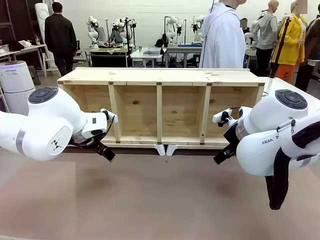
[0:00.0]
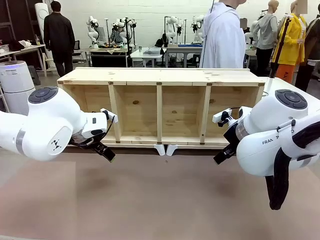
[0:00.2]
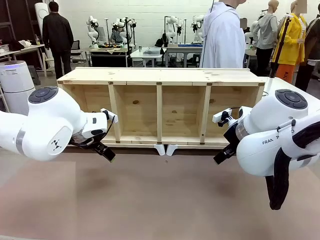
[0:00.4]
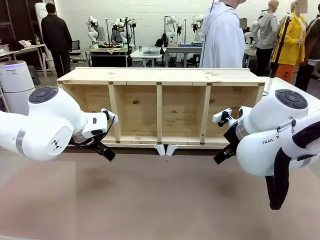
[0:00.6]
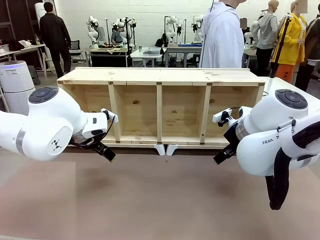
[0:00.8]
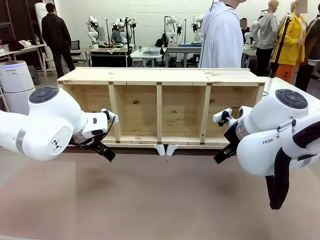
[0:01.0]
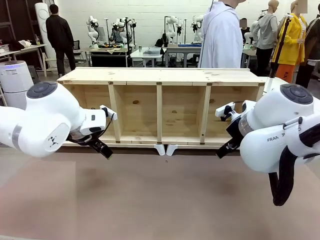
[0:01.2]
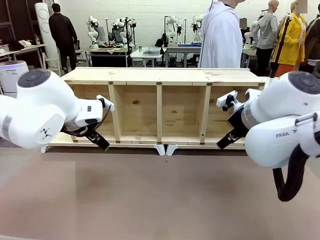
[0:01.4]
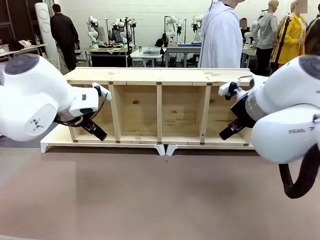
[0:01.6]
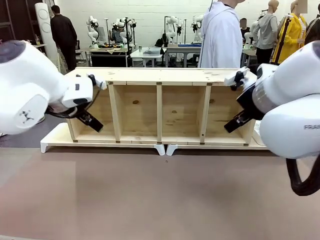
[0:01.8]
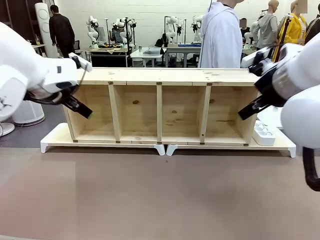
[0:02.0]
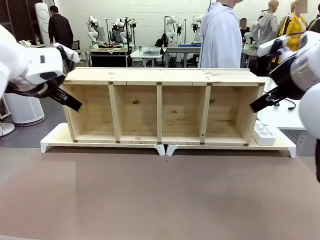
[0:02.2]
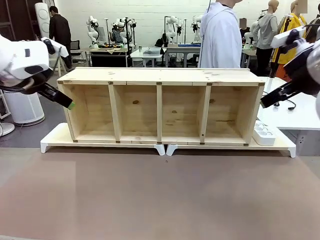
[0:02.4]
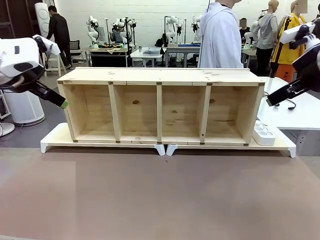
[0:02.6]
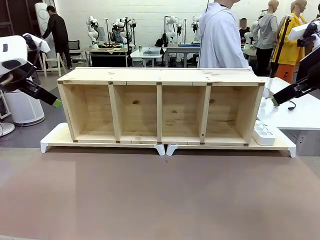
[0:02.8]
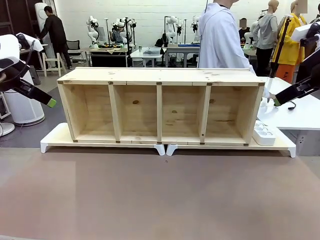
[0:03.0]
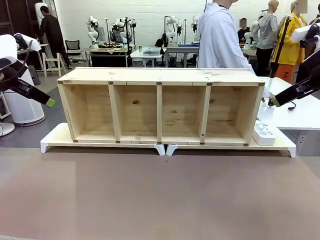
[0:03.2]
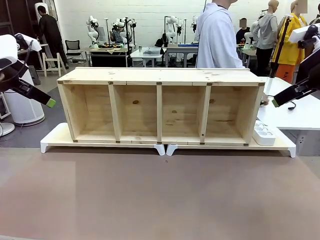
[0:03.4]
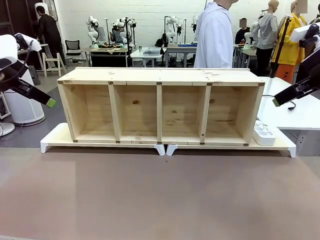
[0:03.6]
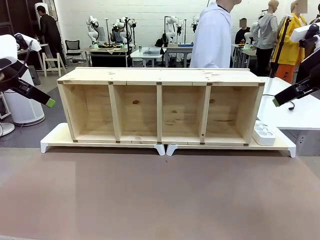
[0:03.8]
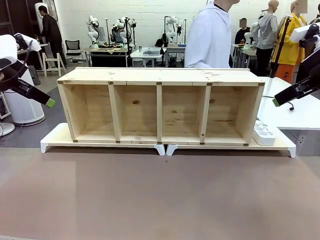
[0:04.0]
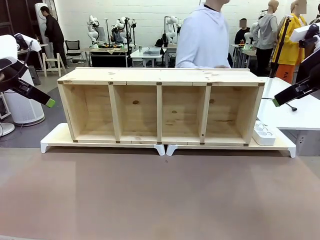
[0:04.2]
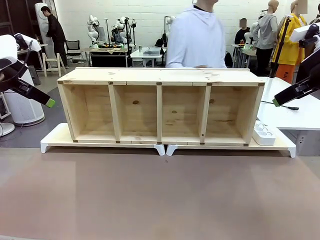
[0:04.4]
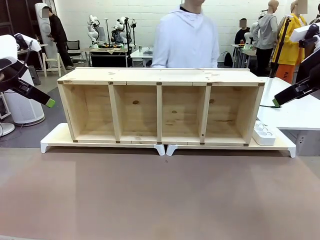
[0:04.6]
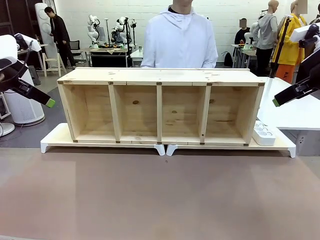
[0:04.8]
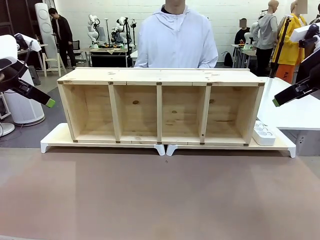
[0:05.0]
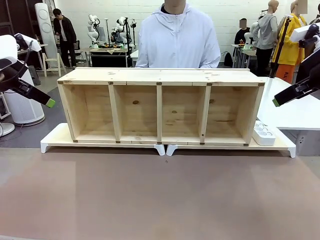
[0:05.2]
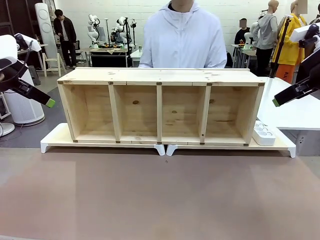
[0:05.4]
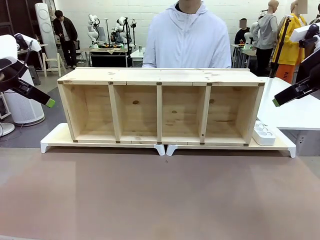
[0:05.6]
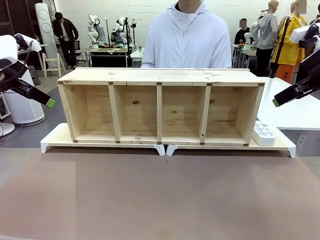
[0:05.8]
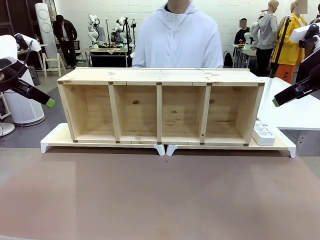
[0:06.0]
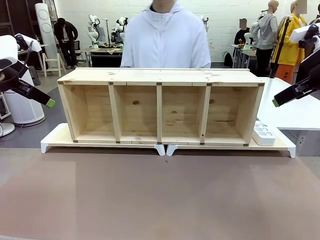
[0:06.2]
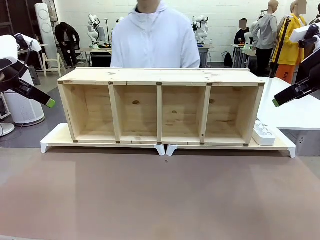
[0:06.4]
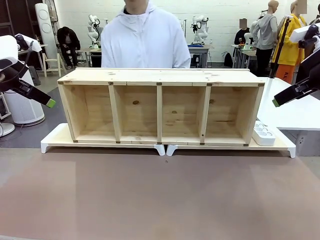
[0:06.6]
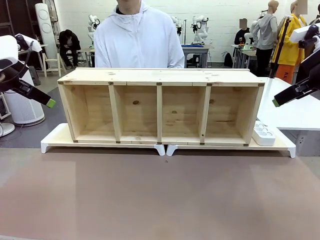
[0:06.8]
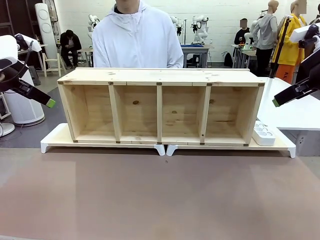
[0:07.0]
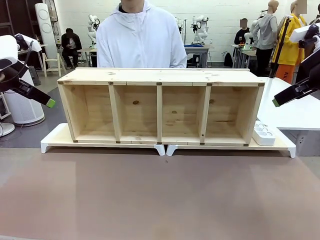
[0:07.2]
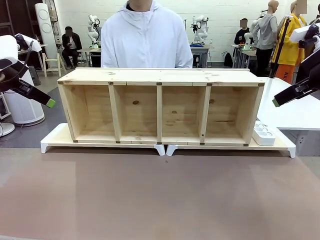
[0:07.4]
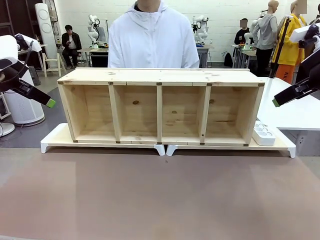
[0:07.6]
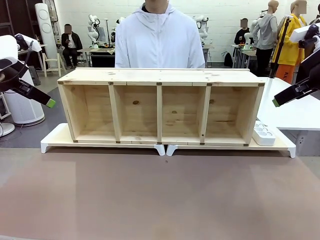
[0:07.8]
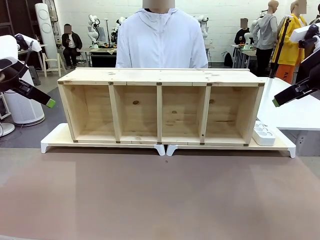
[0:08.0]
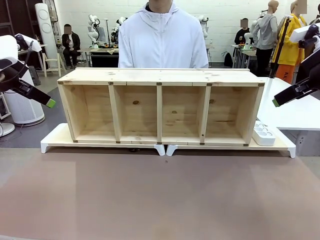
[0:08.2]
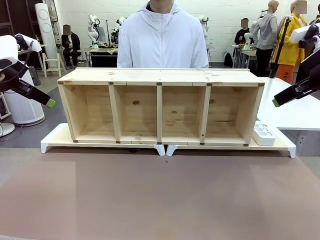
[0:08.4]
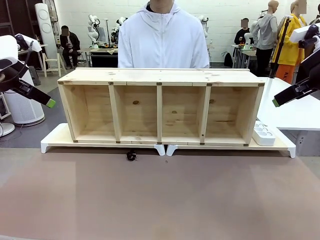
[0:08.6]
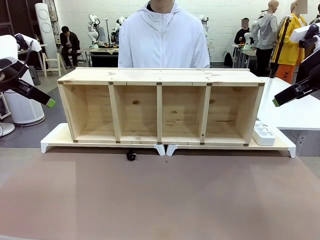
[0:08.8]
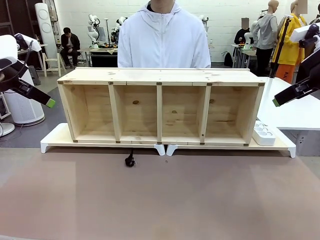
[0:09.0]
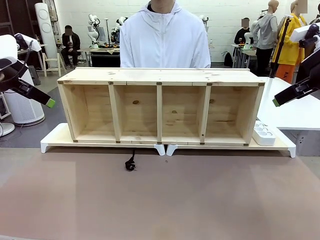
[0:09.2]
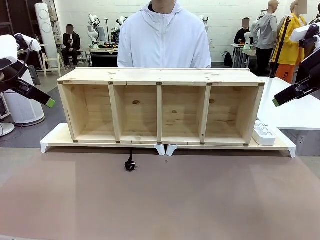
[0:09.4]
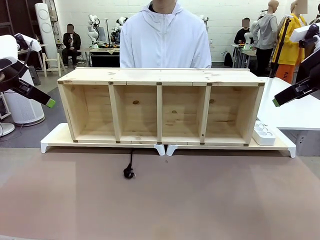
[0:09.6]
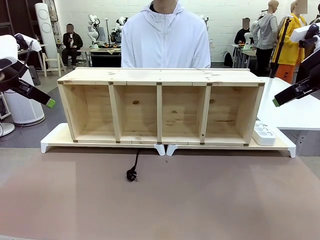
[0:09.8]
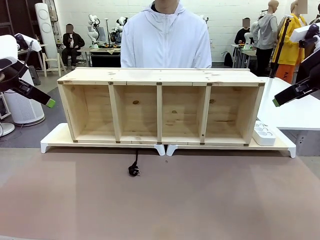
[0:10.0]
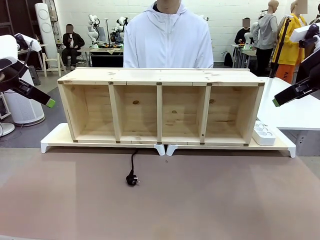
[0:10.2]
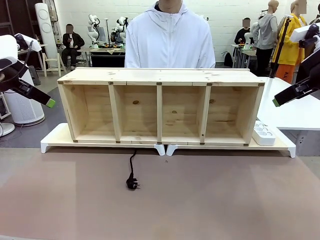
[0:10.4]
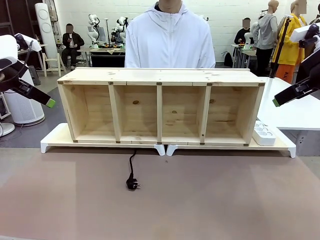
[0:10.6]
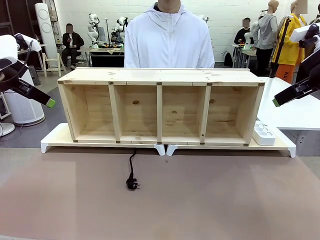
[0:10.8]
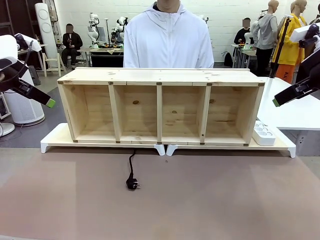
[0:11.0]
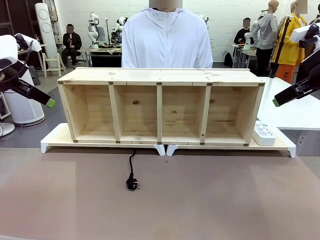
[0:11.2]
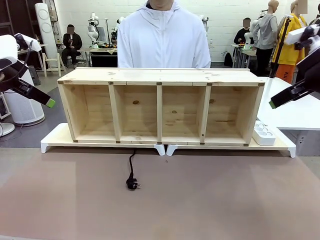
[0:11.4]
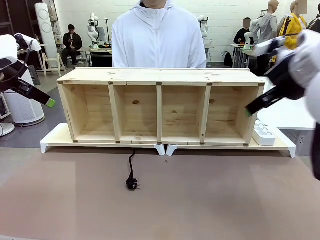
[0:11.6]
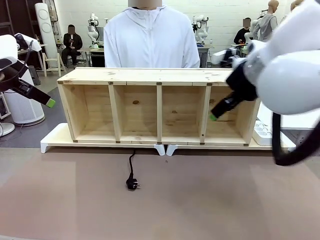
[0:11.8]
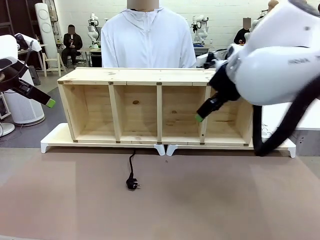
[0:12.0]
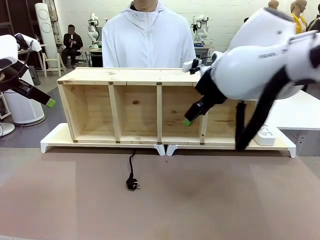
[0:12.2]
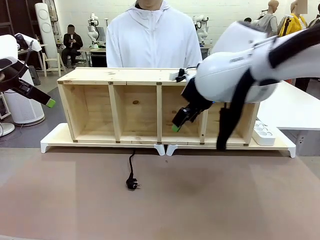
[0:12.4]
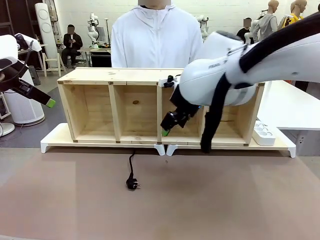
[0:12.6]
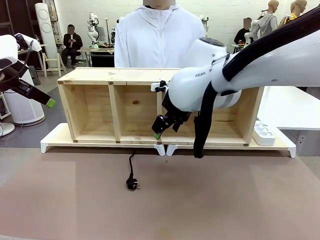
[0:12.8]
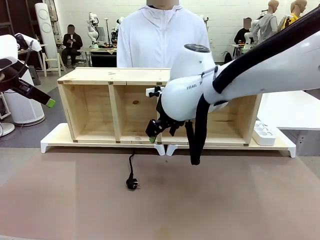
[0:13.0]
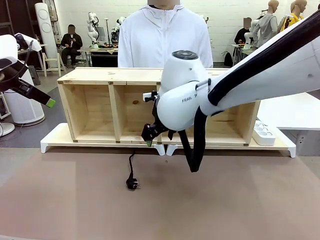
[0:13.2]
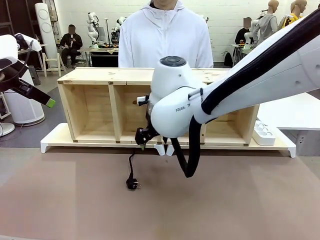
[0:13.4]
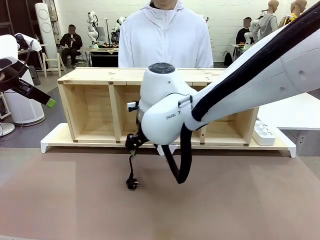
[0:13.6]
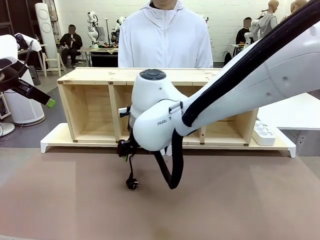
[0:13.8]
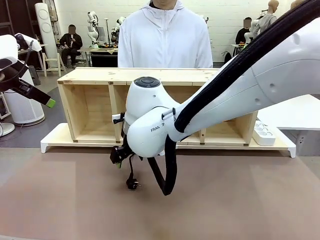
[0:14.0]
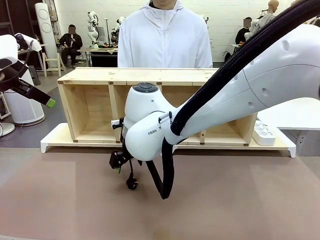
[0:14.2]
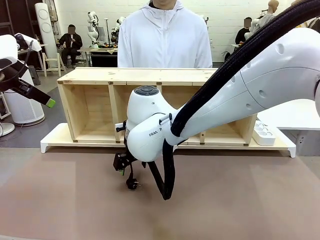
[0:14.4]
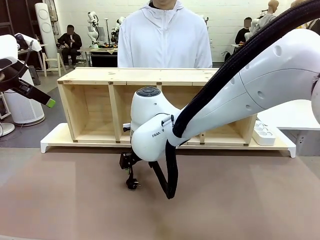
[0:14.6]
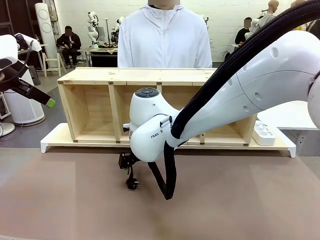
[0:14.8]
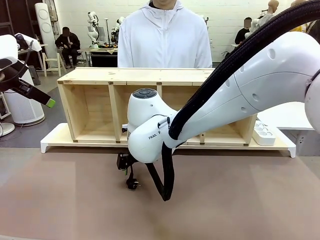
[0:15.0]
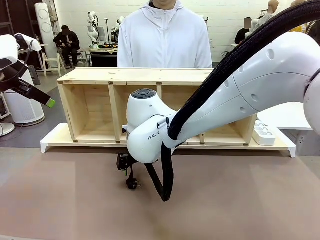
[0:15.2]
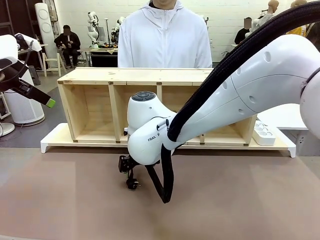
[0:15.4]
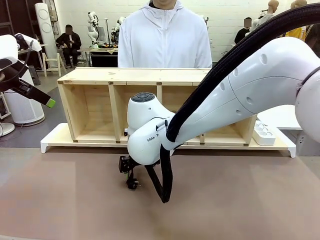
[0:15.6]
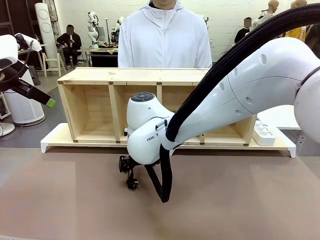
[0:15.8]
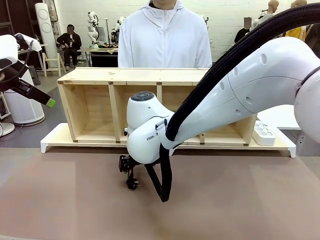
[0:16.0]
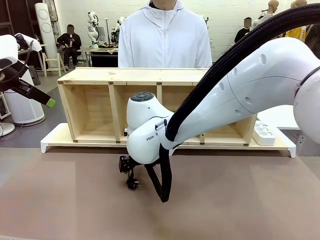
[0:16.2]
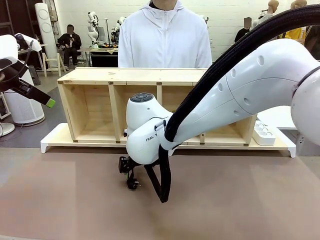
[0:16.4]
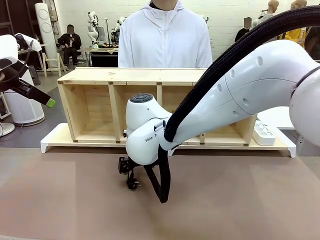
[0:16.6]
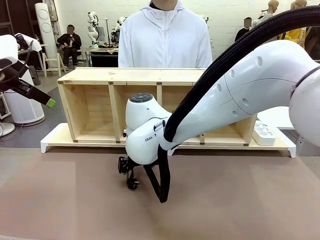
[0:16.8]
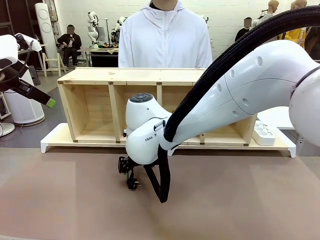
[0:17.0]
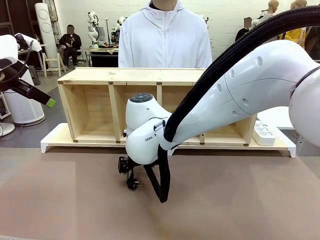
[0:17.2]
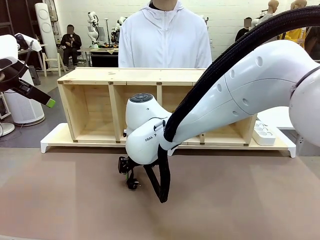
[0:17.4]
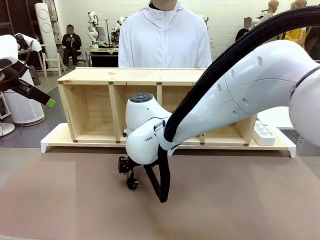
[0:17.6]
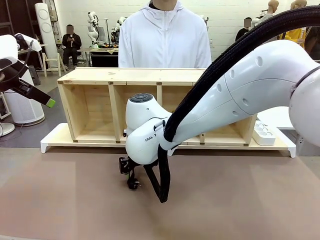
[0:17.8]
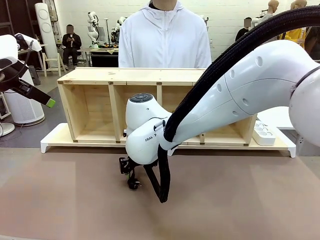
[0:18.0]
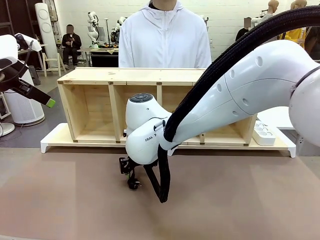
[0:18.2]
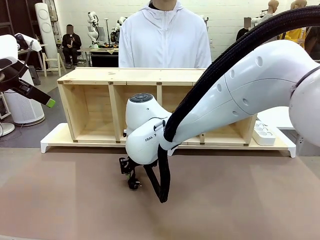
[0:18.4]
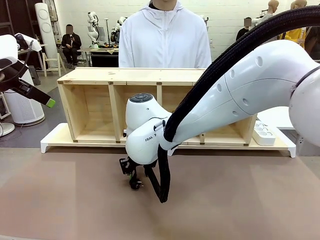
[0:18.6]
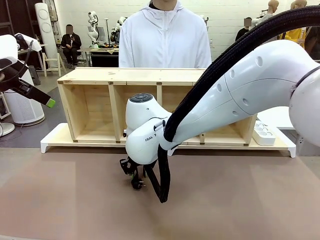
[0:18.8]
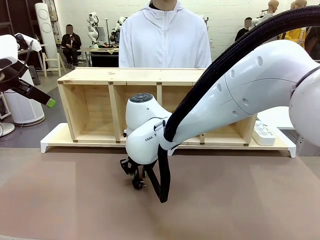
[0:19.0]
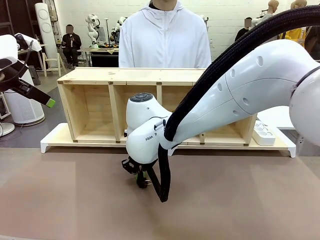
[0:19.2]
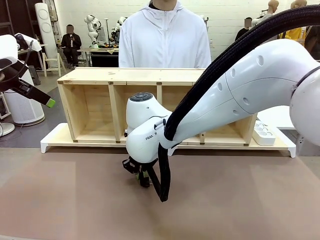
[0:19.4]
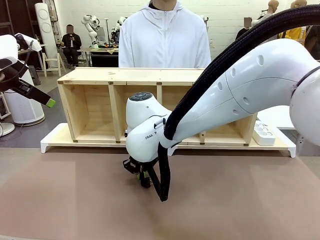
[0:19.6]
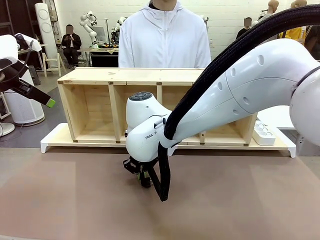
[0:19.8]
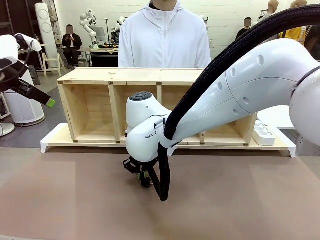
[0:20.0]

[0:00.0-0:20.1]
Task: Perform cable management.
Robot: When the cord part of the Power Cable appears at the lower middle area of the table and stops, grasp the cord part of the Power Cable.
Person: Pass the Power Cable under the Serving Table.
